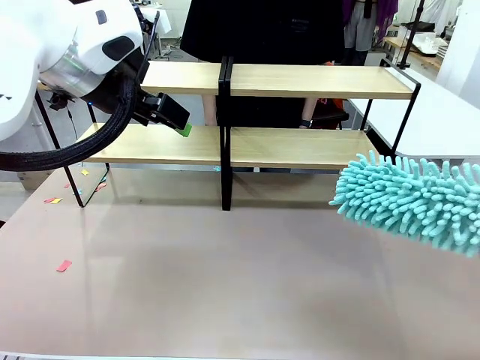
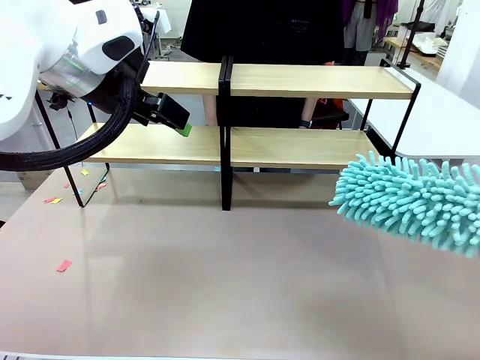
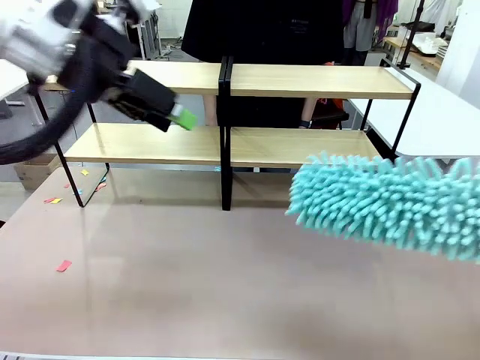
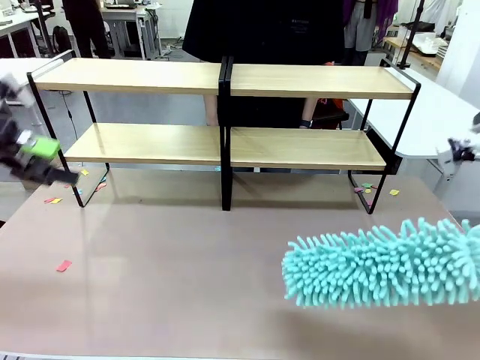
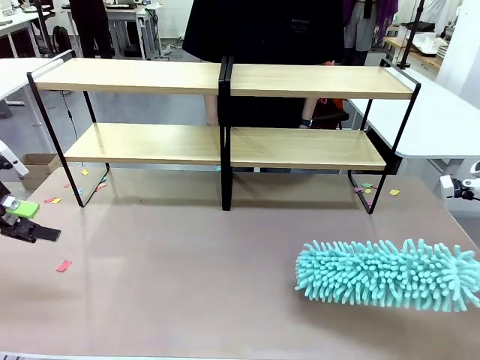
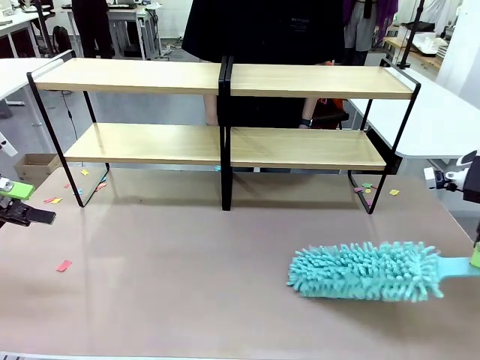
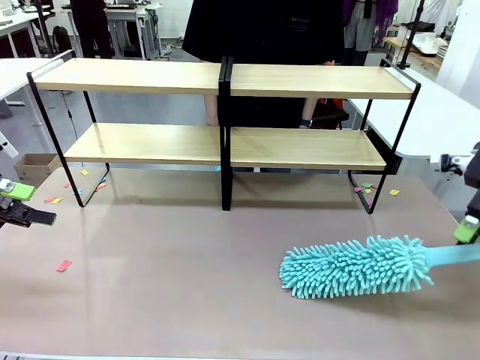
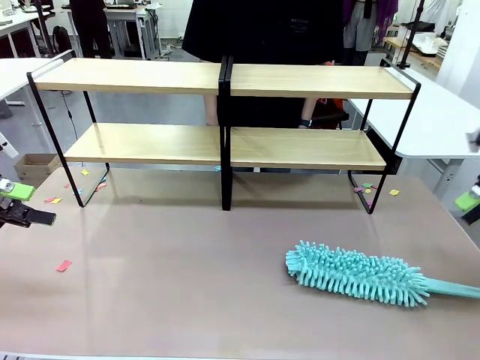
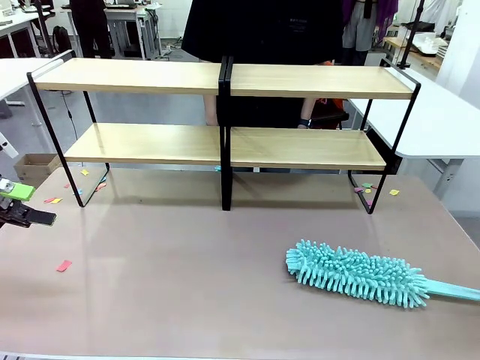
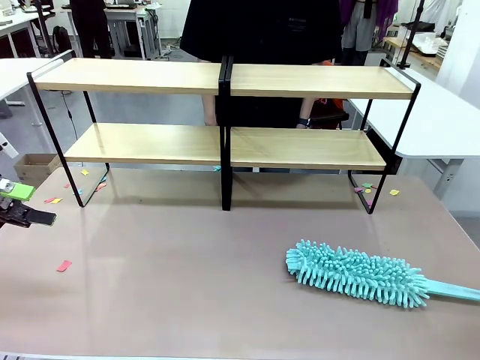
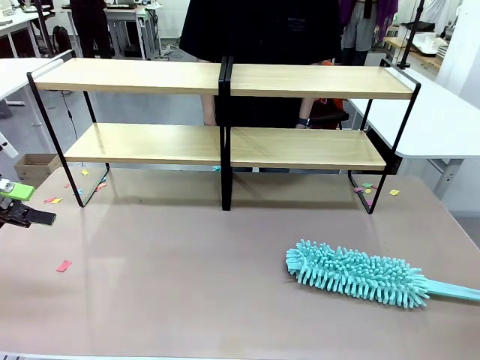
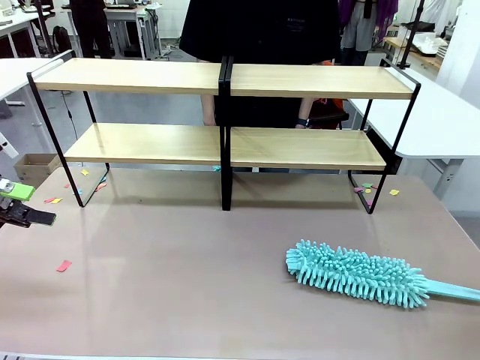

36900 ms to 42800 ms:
Task: Clean the shelves.
Robot: Place the Duster on the table.

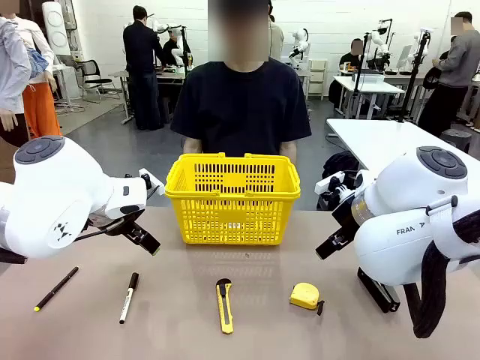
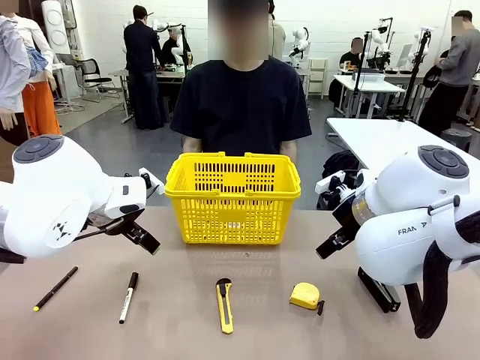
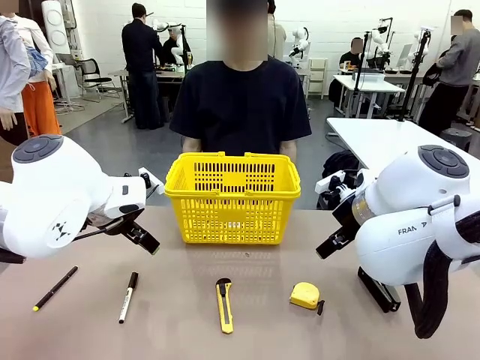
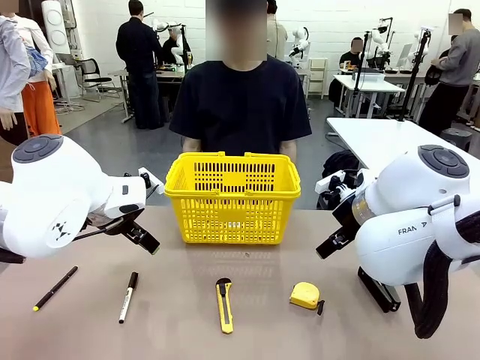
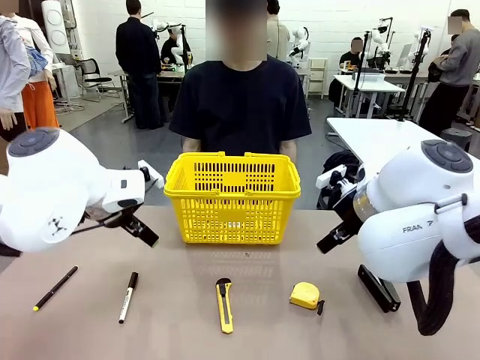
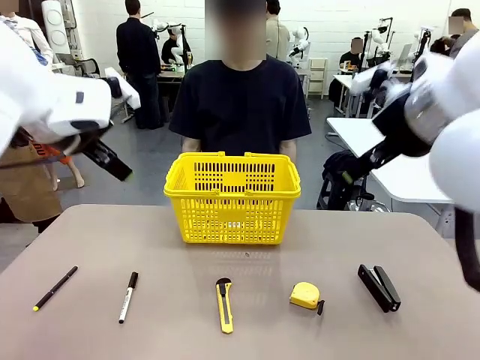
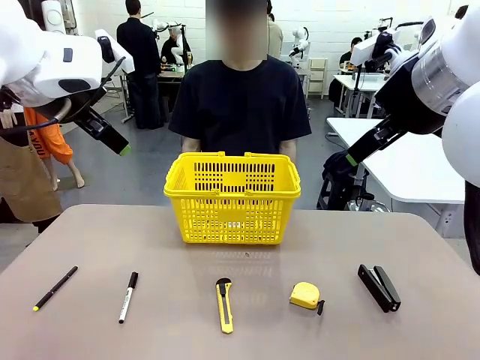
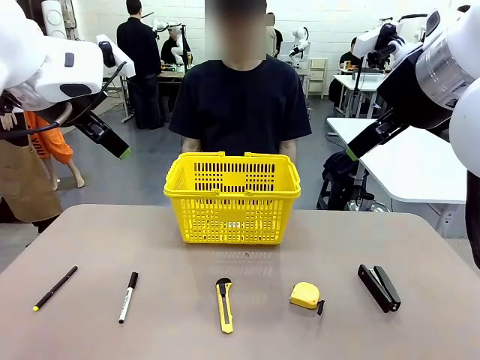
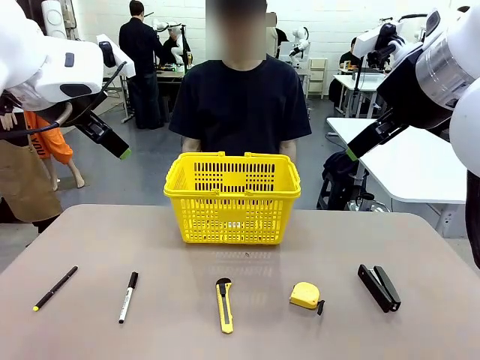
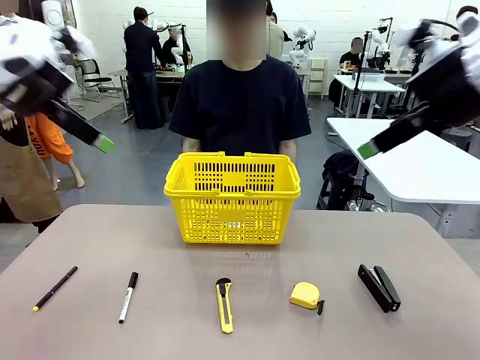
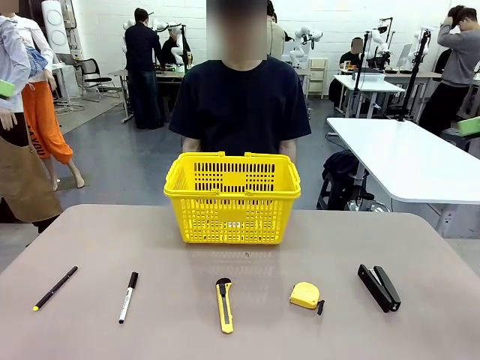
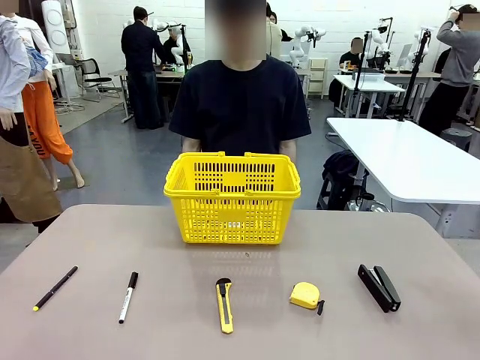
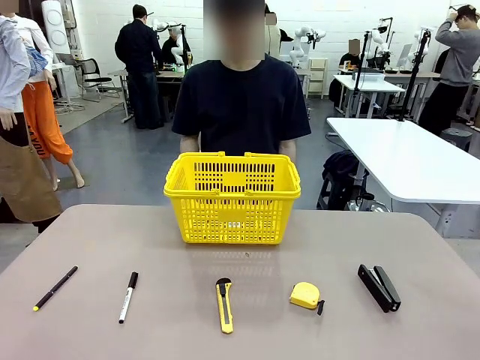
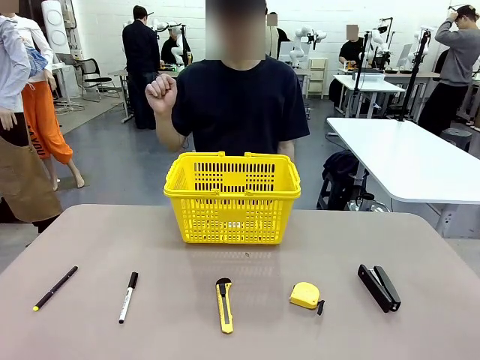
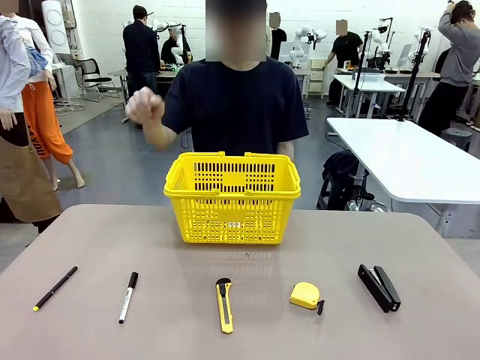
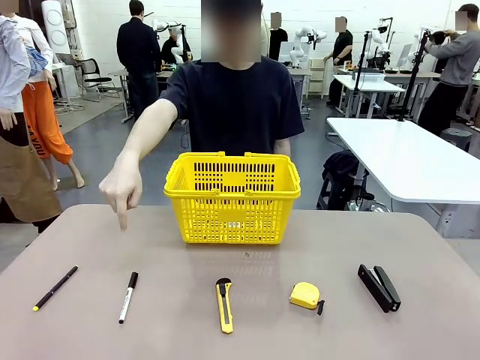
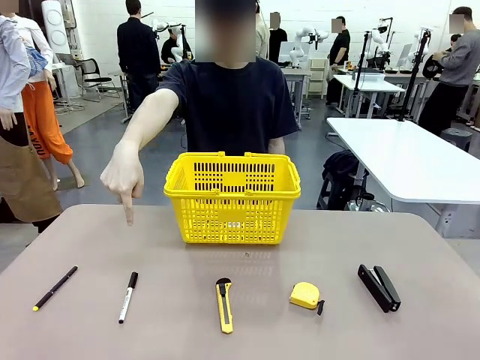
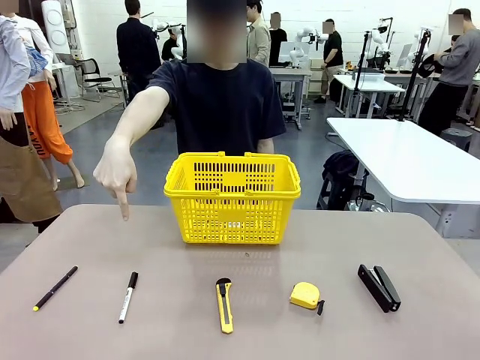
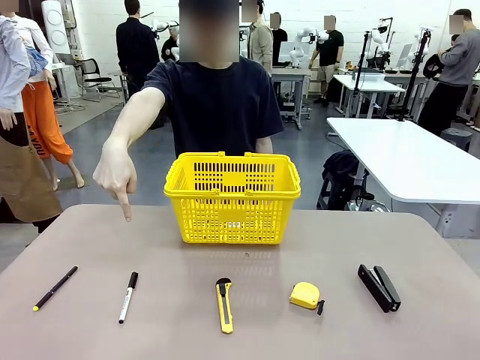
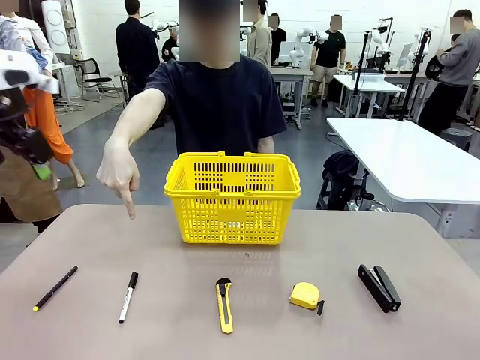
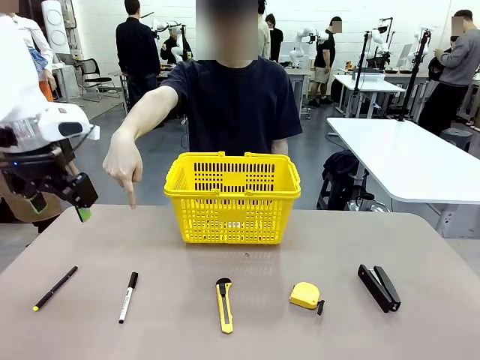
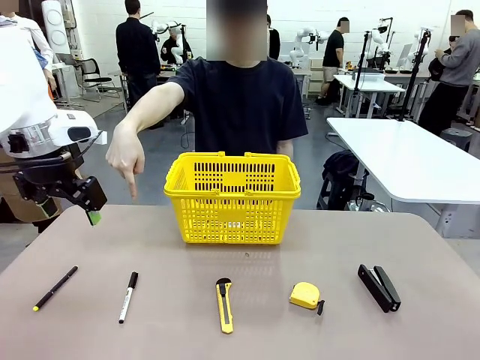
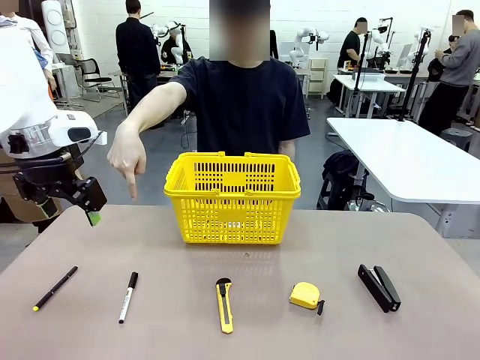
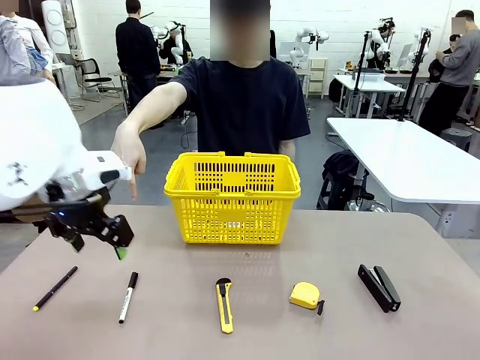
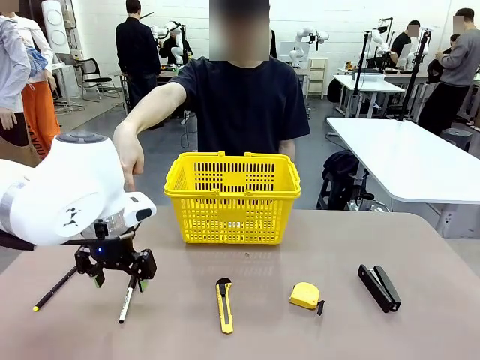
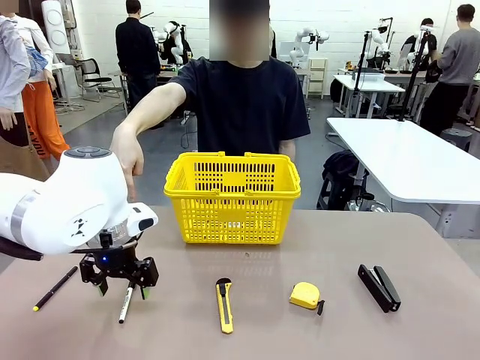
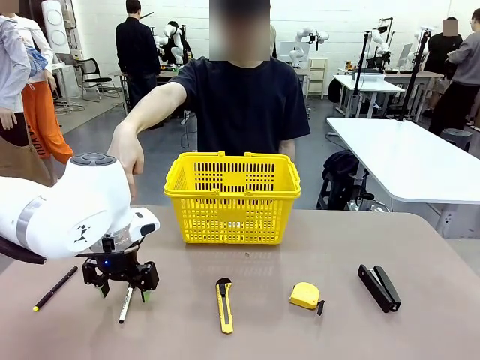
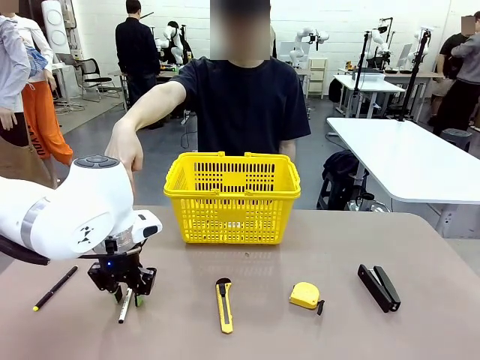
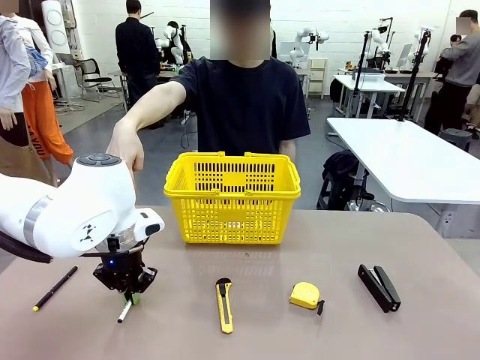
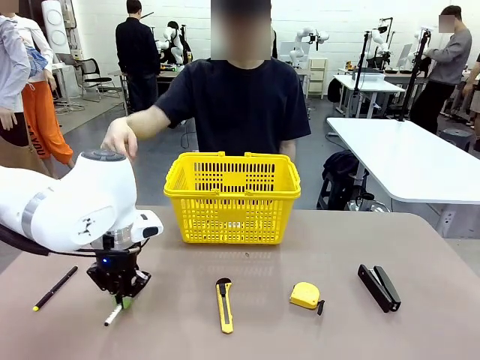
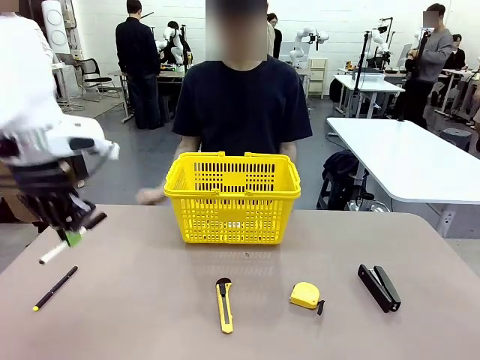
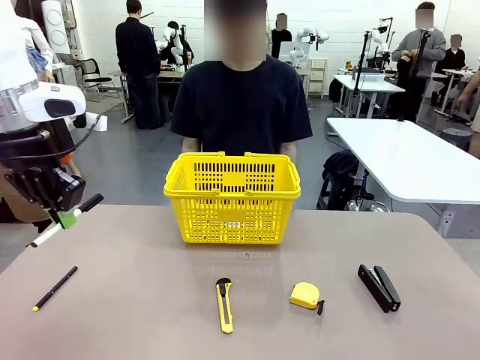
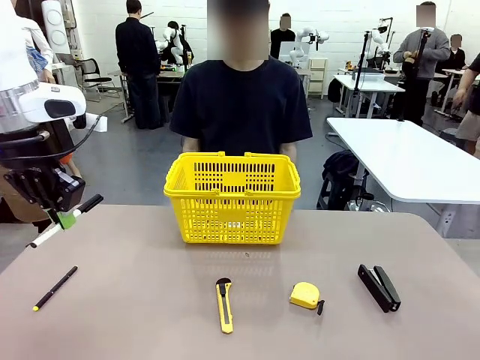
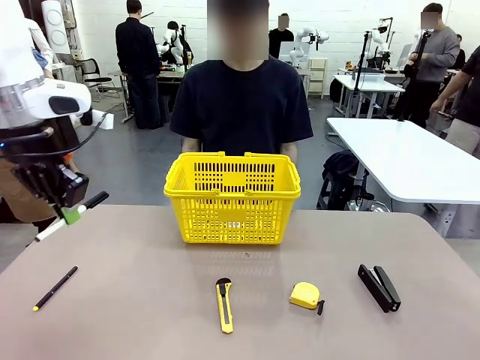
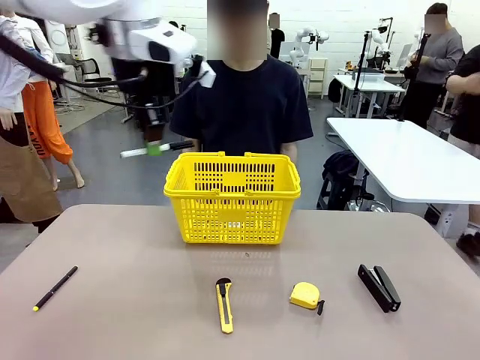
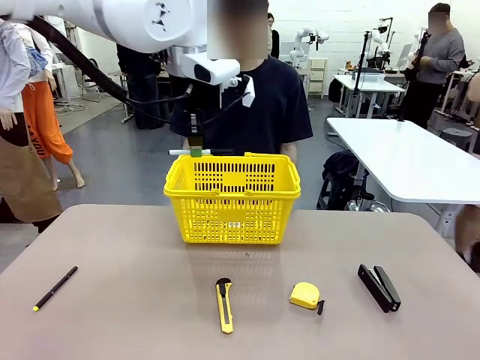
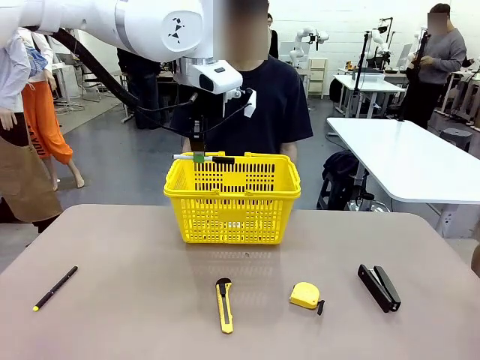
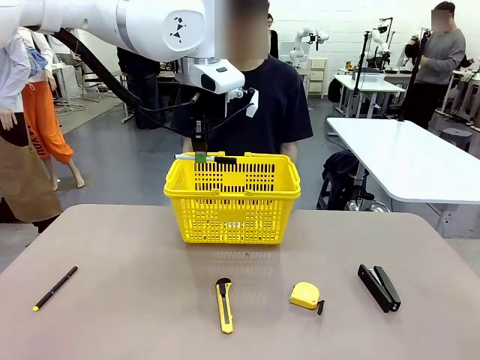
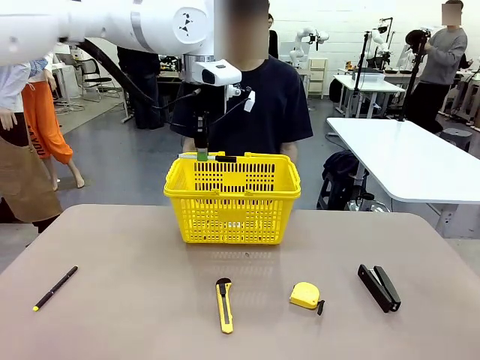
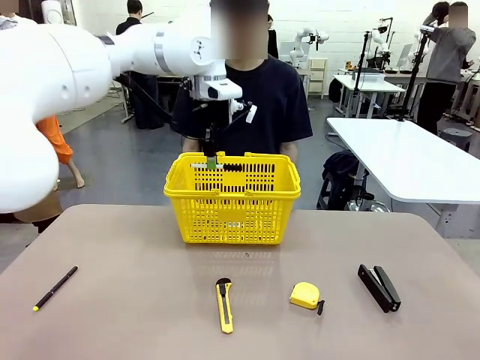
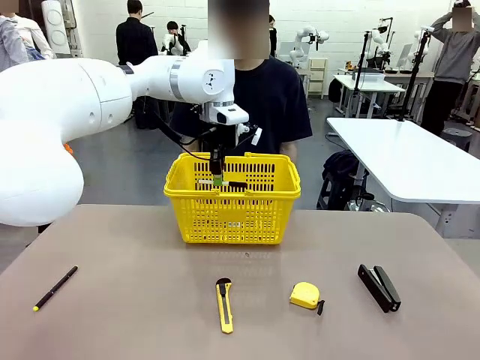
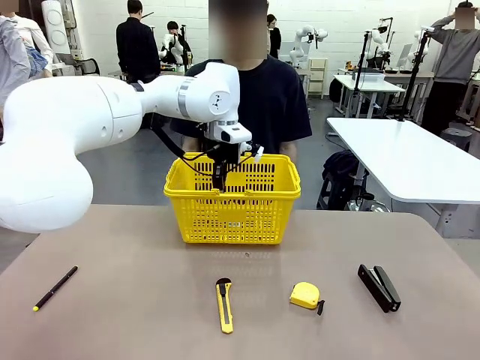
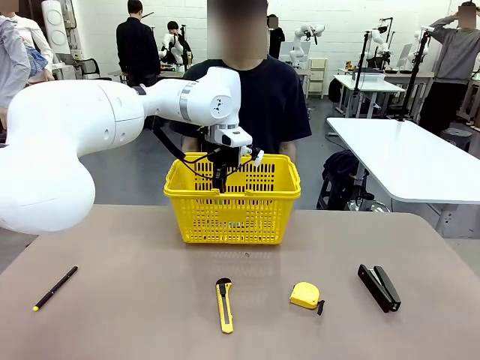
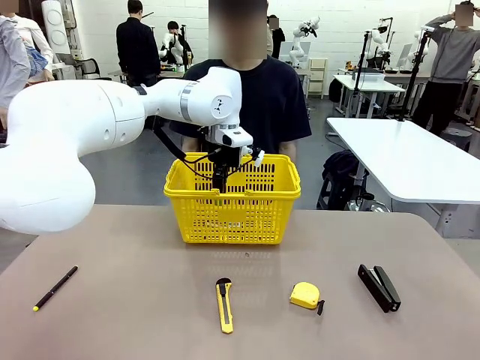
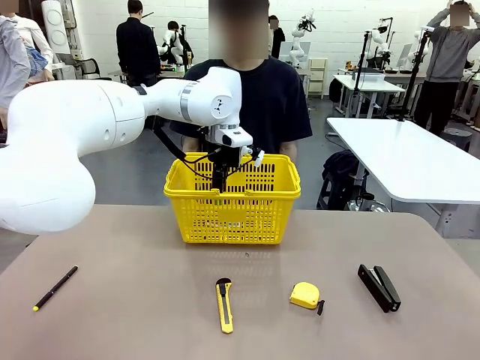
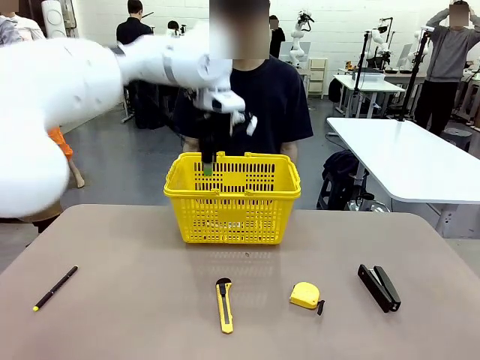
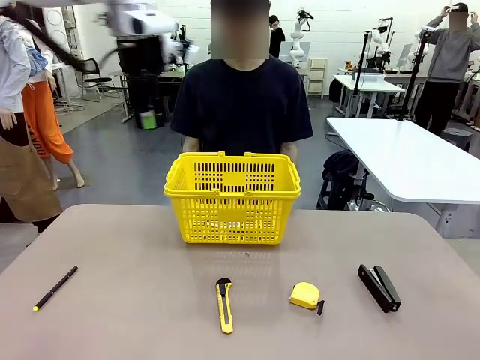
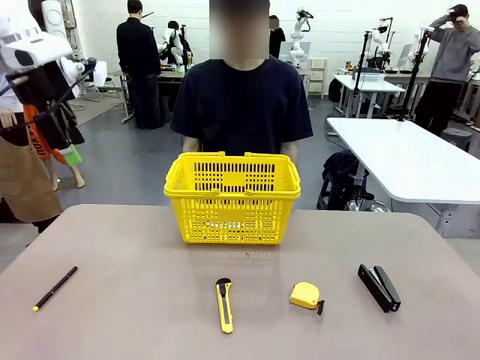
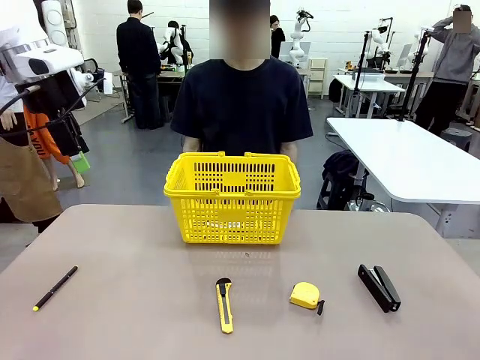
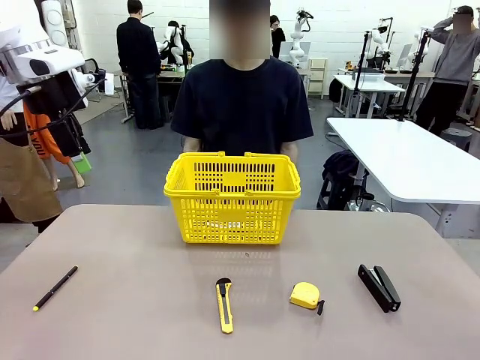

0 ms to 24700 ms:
Task: Place the items the person wants into the basket.
Robot: Pick up the item the person points to and place it in the Market Basket.
